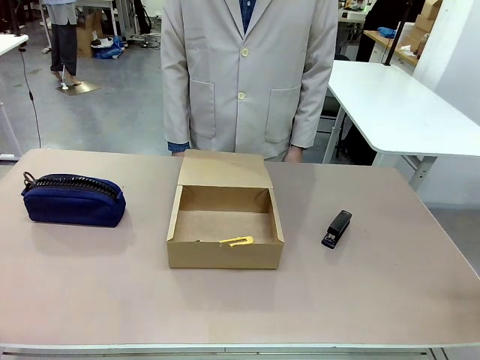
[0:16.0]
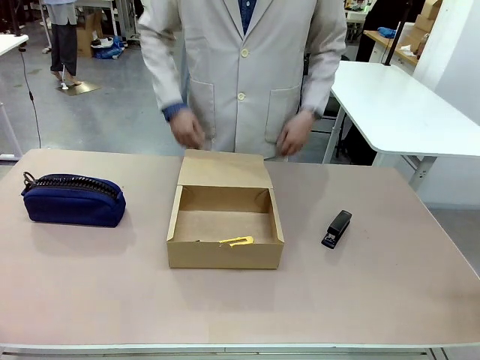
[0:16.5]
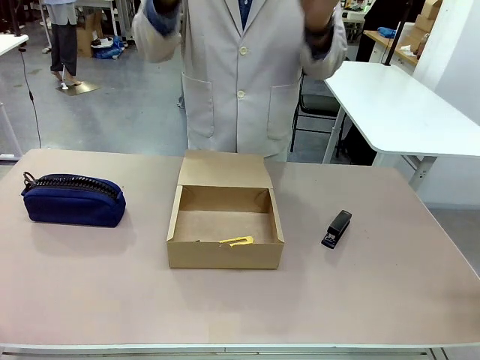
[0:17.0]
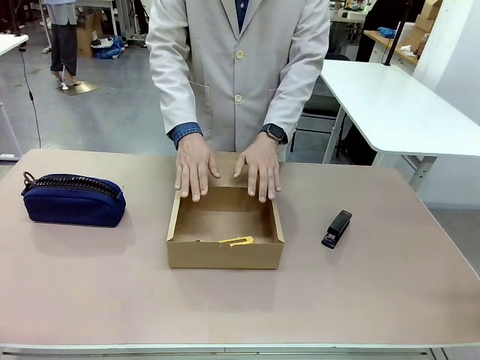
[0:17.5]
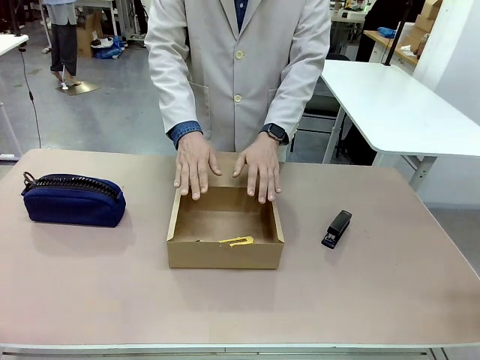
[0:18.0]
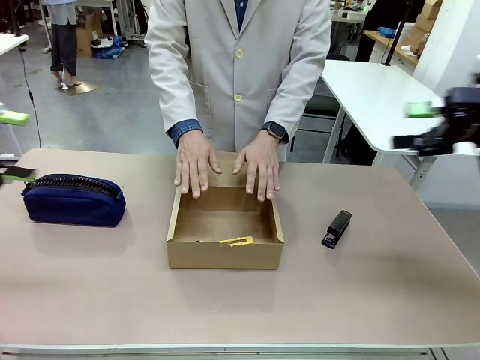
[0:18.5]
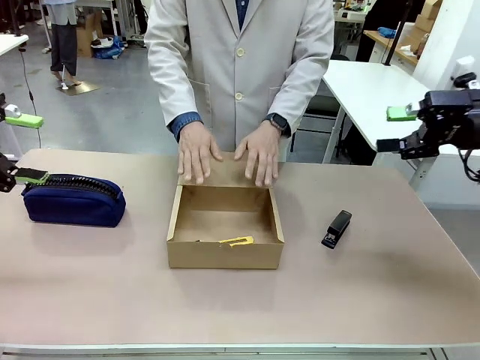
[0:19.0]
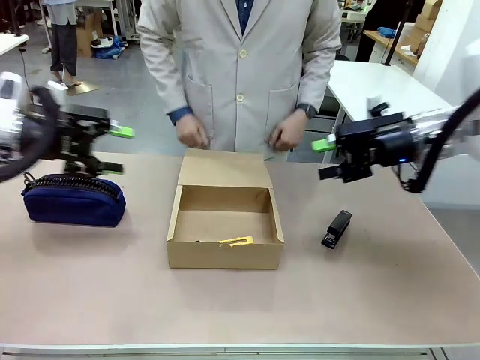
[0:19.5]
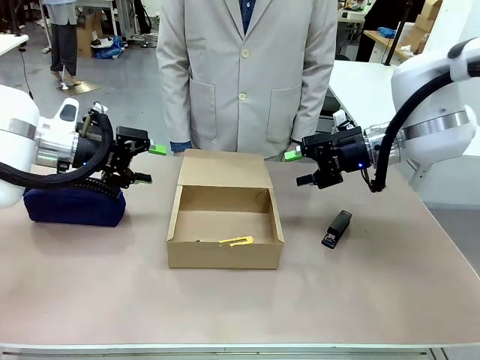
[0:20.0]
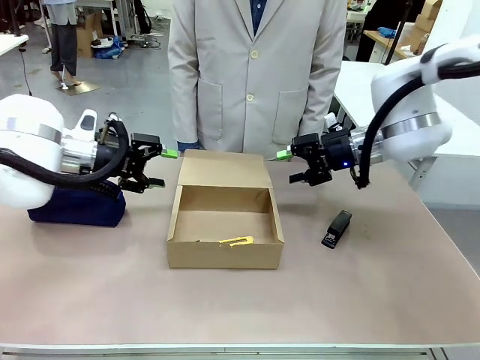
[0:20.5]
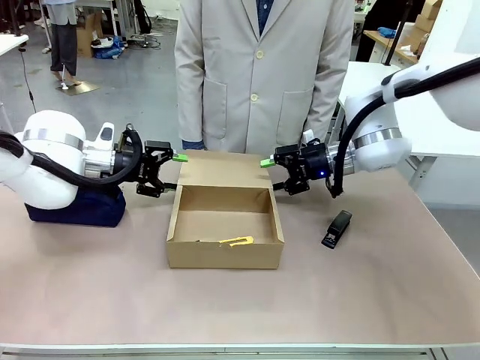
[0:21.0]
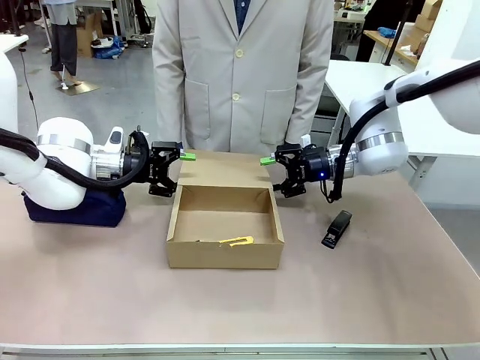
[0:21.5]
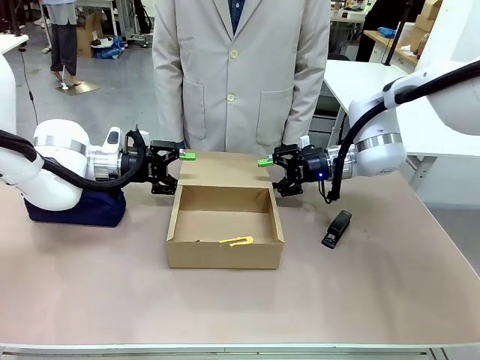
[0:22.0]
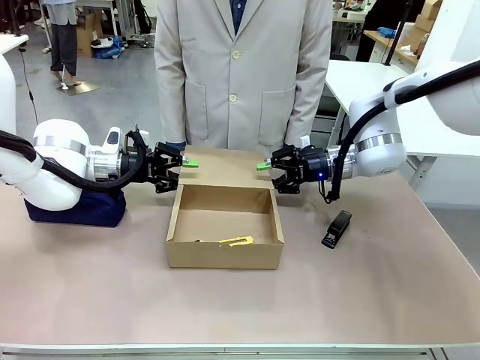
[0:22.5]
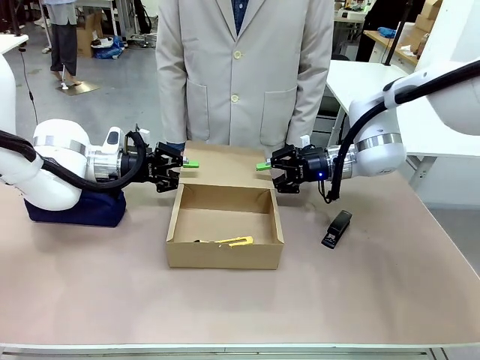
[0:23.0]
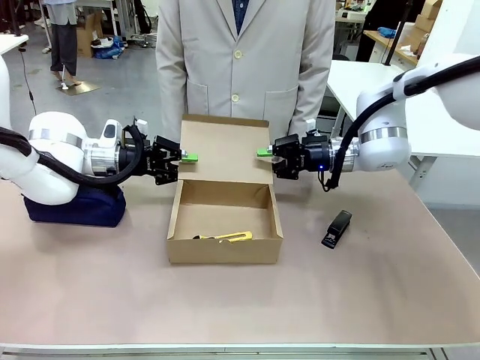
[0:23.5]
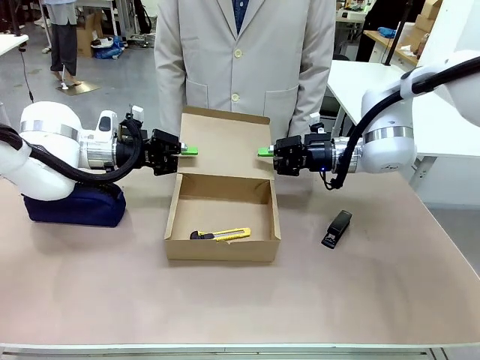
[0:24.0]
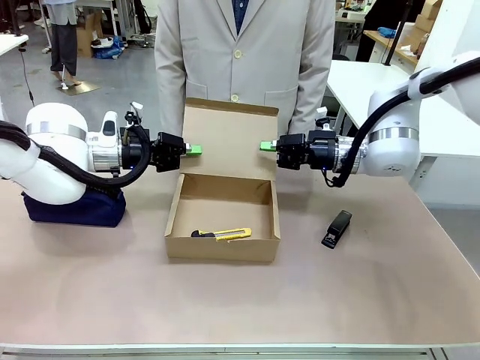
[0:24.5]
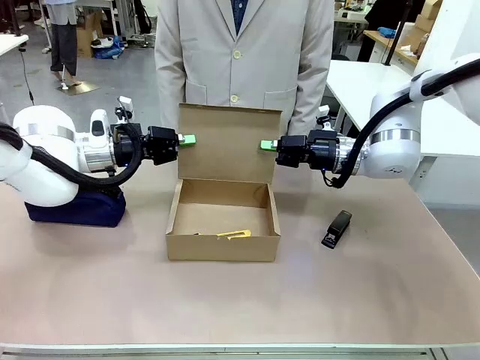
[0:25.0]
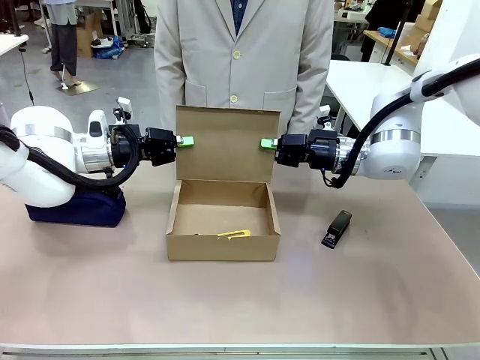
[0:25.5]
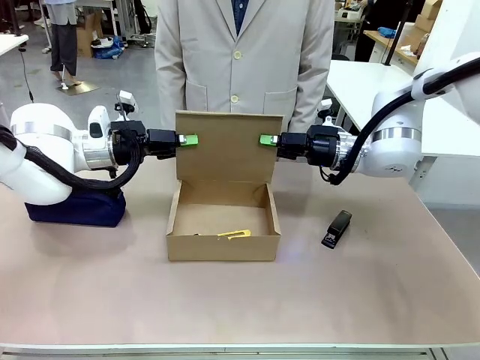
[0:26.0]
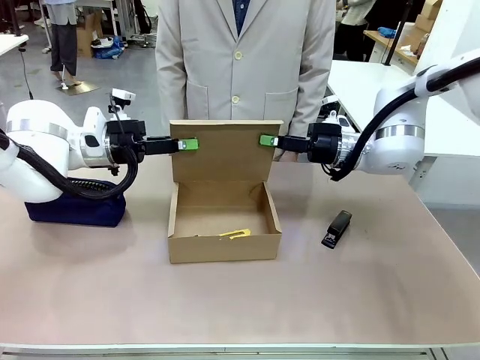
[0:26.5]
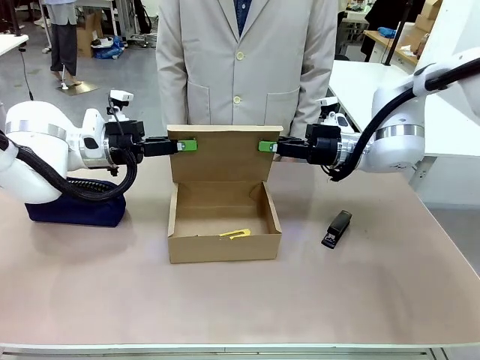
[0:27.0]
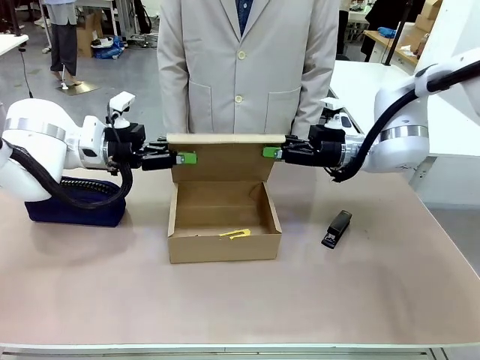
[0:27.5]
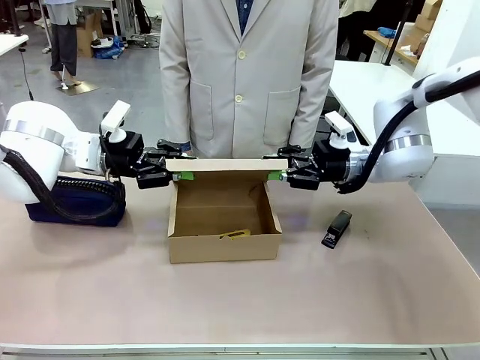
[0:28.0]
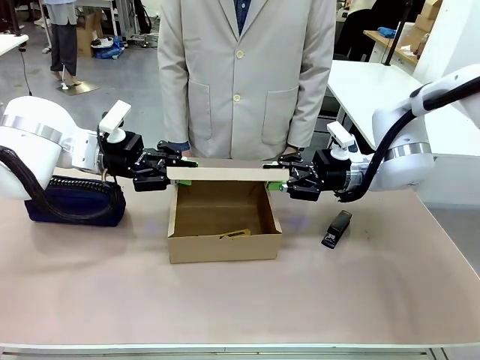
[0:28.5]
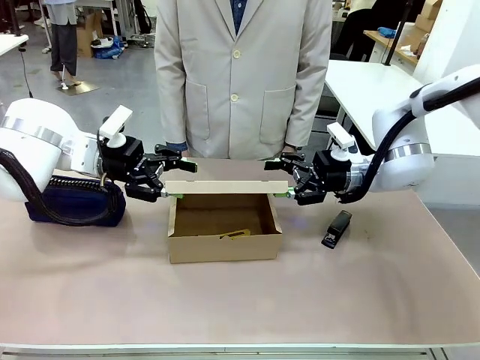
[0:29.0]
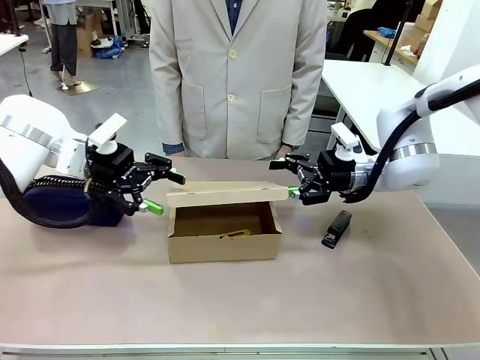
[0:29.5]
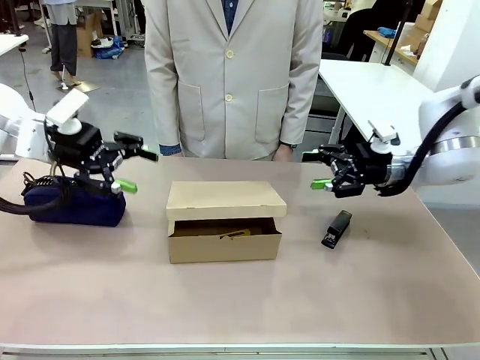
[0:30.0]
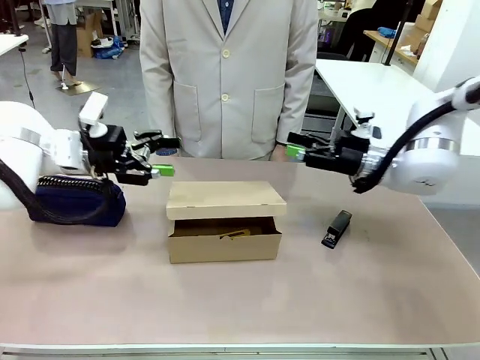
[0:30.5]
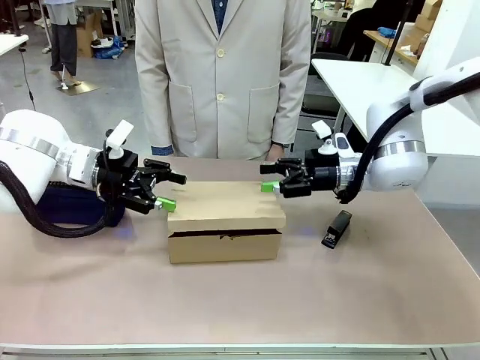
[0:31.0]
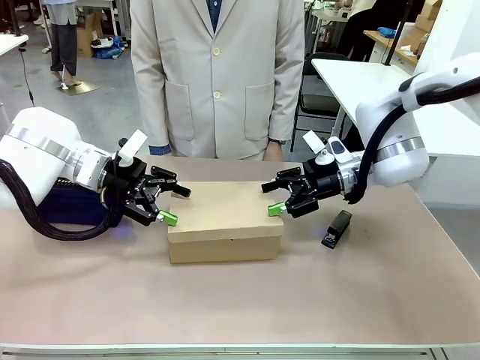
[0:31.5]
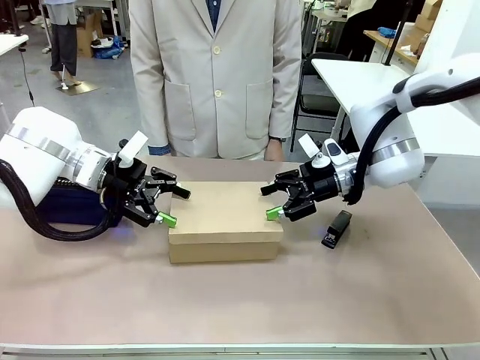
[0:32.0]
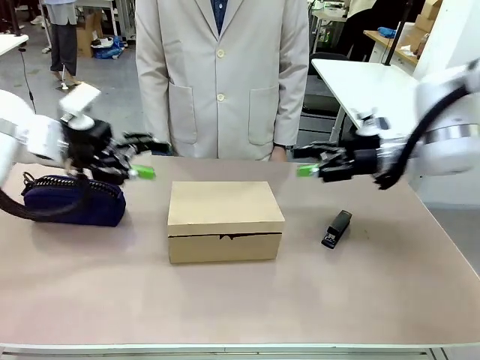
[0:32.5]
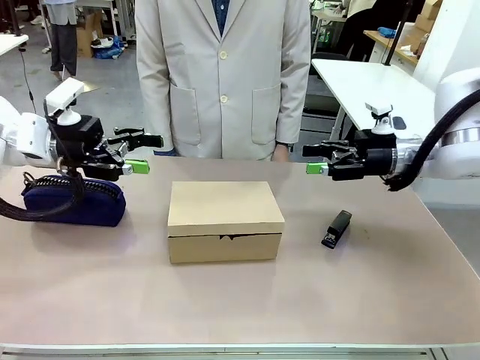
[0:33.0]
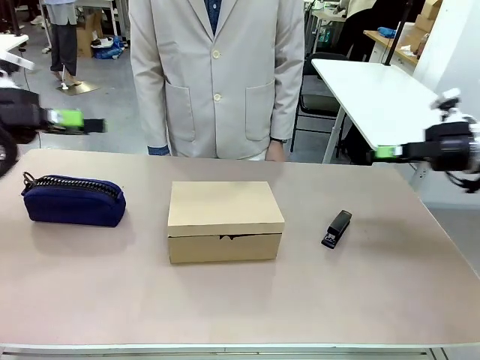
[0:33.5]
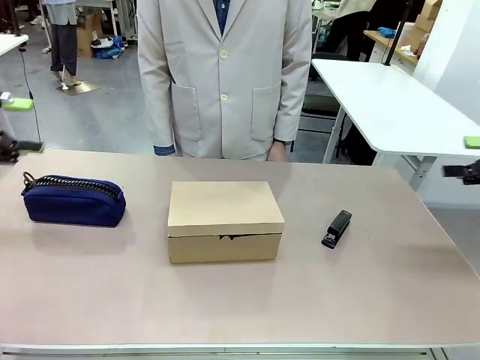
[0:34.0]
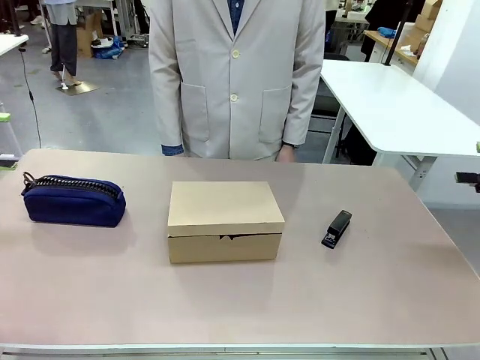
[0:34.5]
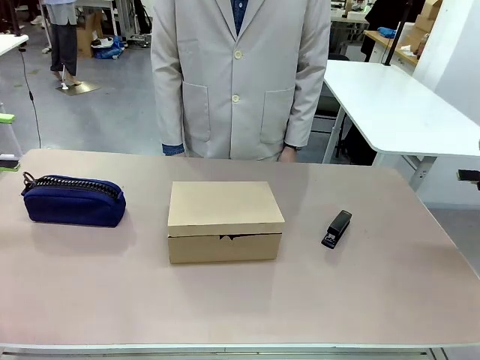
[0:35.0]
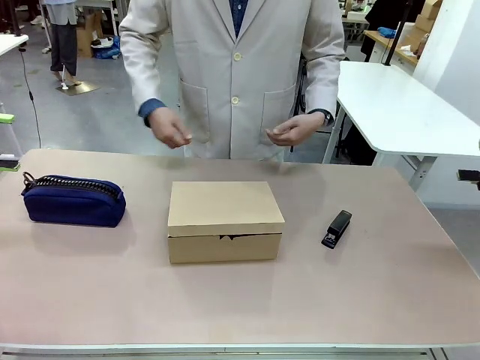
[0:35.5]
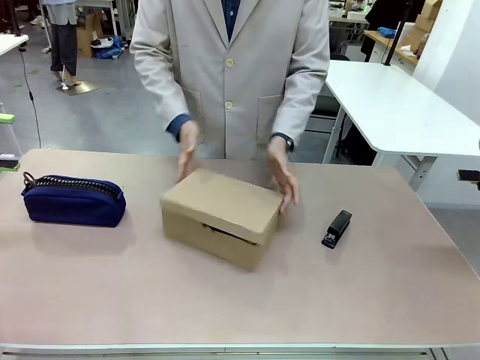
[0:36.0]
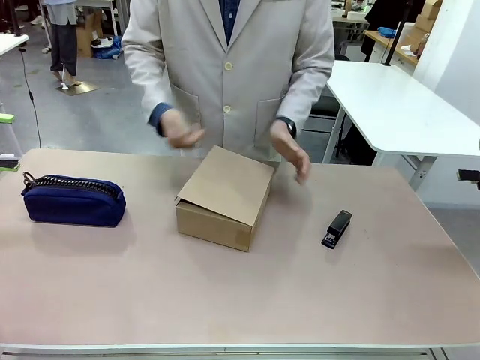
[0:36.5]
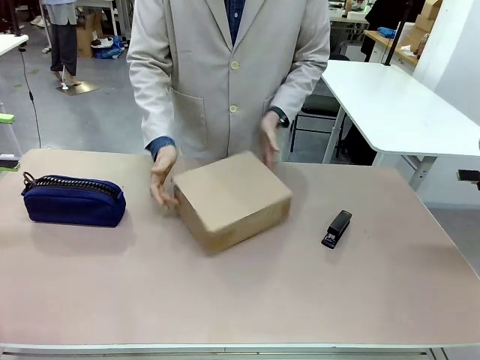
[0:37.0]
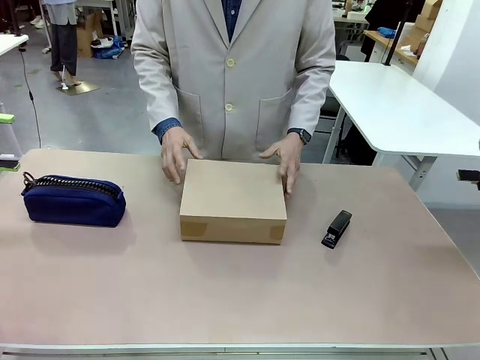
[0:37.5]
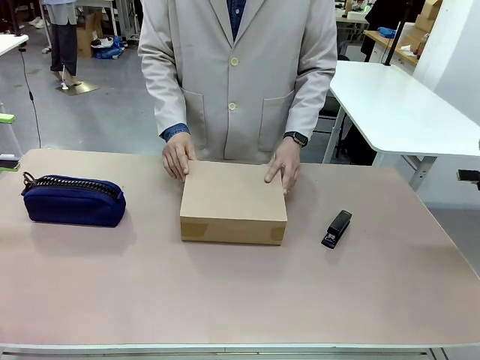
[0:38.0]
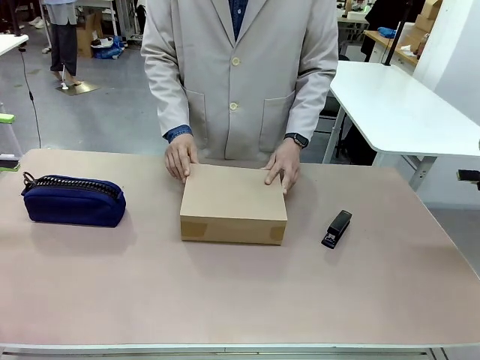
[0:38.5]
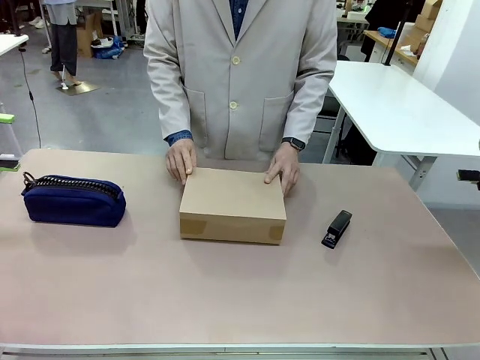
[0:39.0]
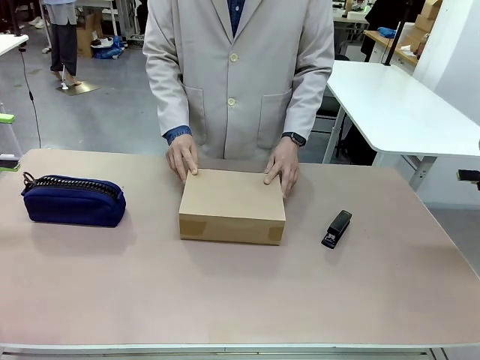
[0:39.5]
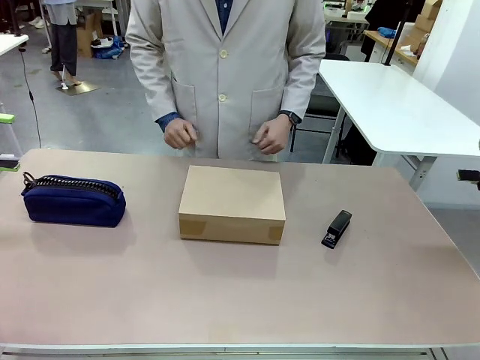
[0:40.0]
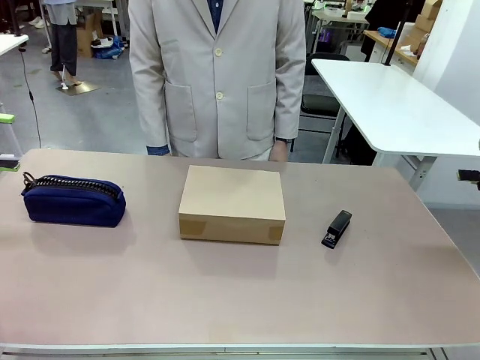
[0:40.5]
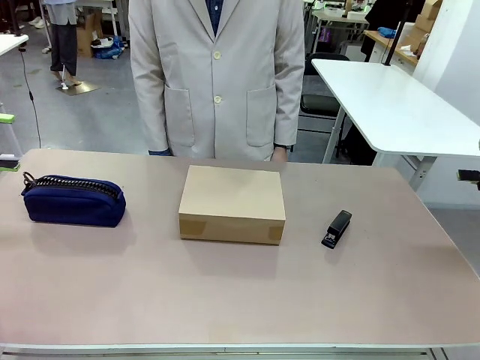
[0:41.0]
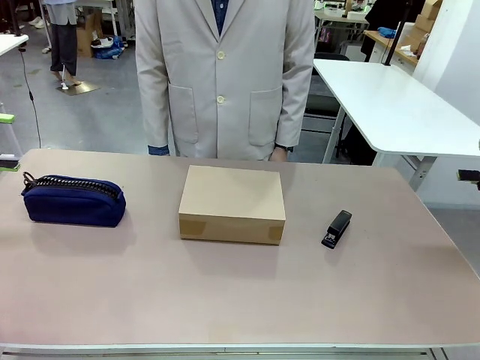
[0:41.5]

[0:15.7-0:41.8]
Task: Pack the item into the box.
Robot: Close the Mailer Box.
Person: Lower both hands vertically with palms facing downward, as if pressing something closed. Turn the box and lock it.
